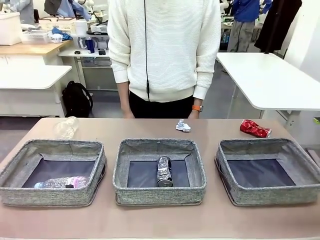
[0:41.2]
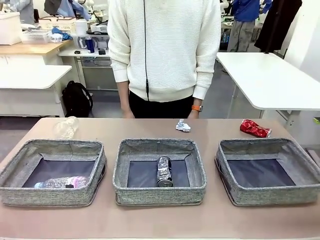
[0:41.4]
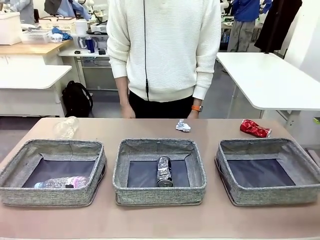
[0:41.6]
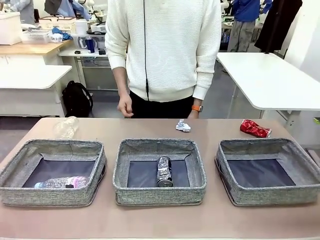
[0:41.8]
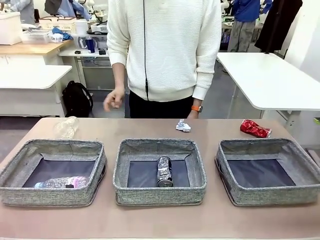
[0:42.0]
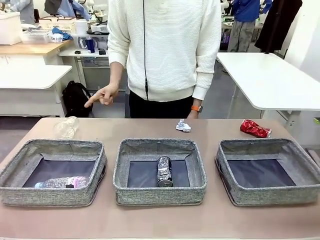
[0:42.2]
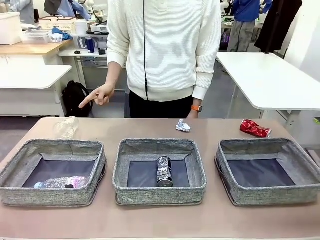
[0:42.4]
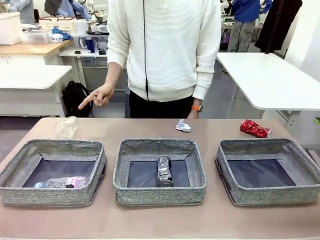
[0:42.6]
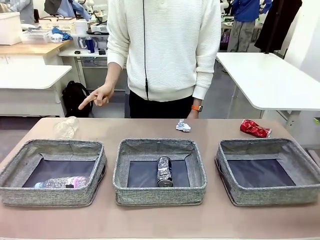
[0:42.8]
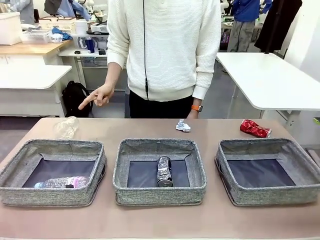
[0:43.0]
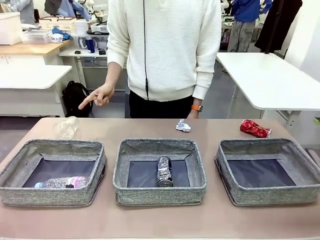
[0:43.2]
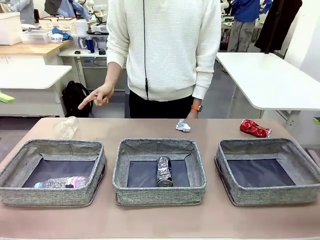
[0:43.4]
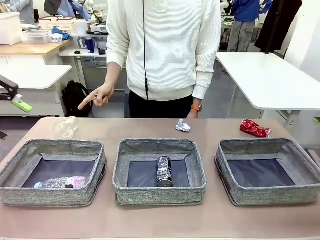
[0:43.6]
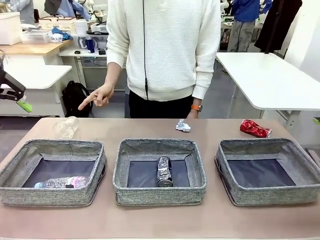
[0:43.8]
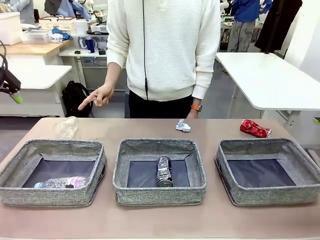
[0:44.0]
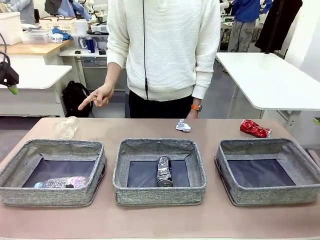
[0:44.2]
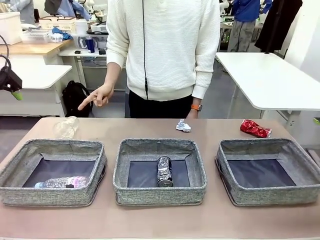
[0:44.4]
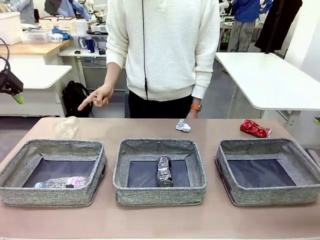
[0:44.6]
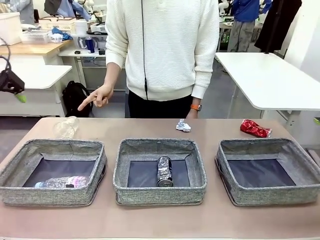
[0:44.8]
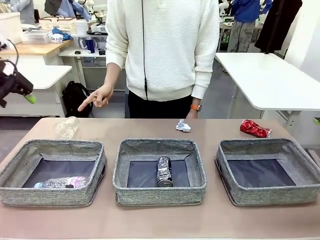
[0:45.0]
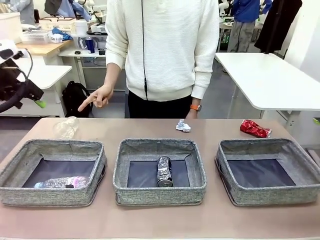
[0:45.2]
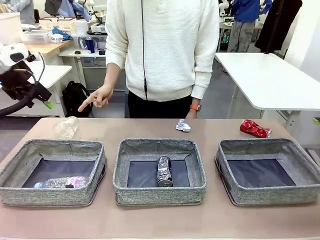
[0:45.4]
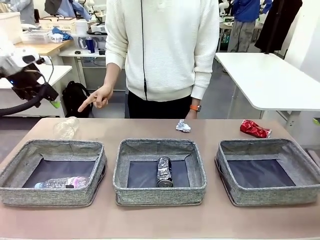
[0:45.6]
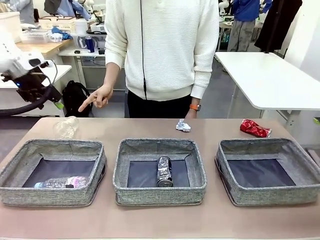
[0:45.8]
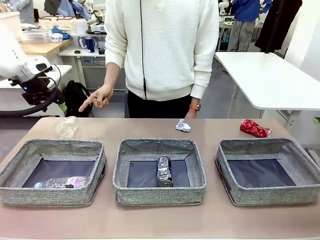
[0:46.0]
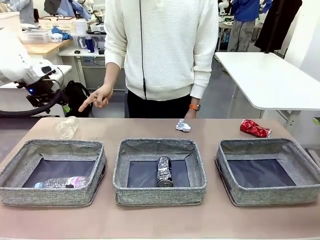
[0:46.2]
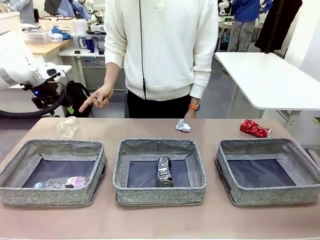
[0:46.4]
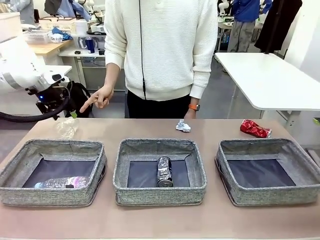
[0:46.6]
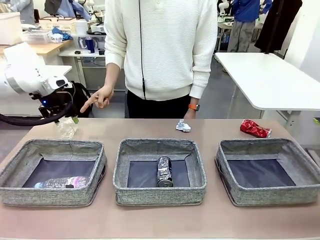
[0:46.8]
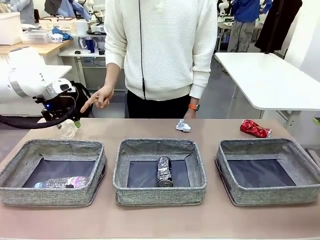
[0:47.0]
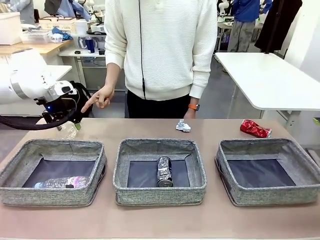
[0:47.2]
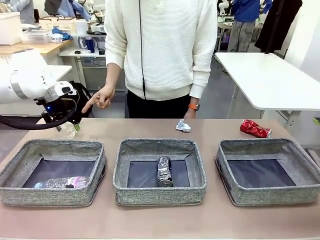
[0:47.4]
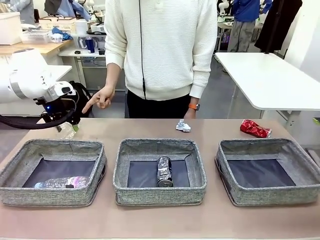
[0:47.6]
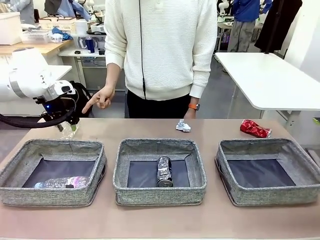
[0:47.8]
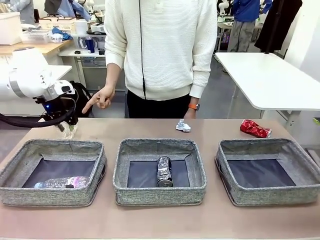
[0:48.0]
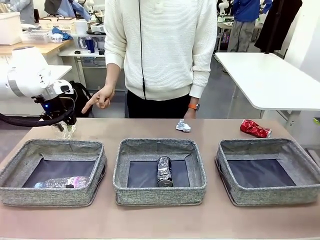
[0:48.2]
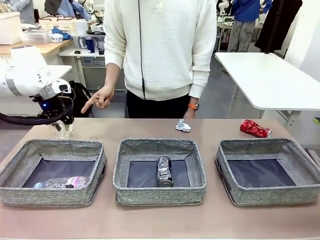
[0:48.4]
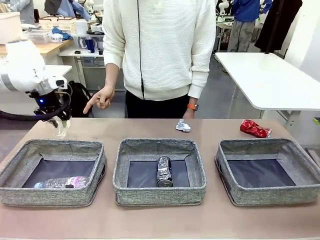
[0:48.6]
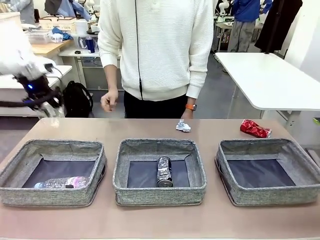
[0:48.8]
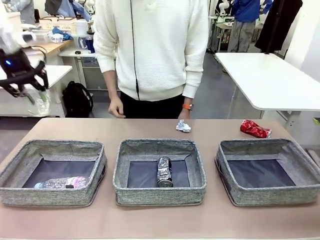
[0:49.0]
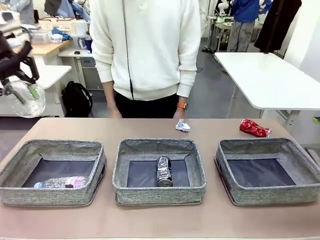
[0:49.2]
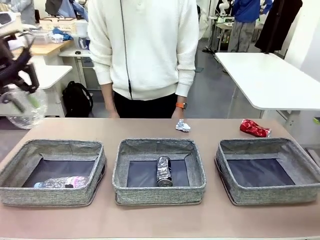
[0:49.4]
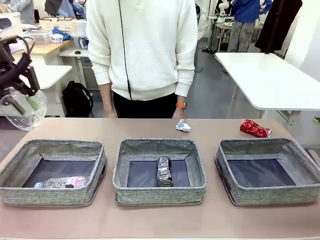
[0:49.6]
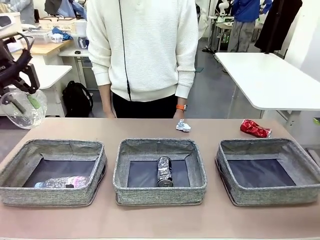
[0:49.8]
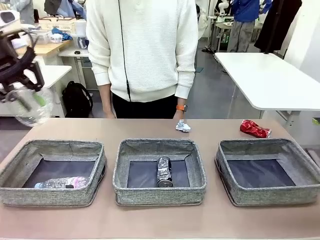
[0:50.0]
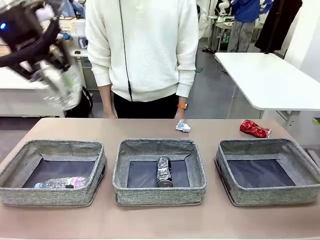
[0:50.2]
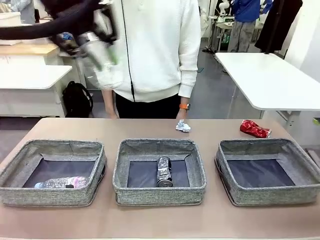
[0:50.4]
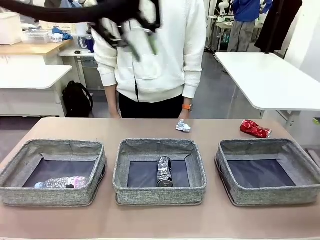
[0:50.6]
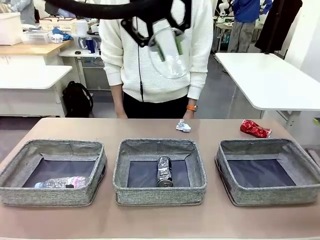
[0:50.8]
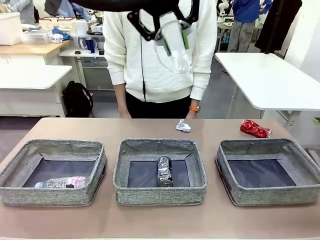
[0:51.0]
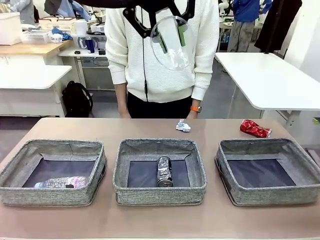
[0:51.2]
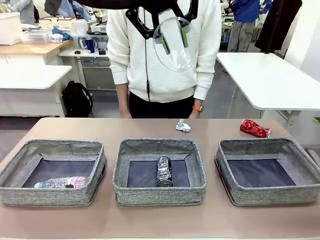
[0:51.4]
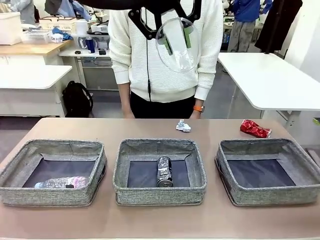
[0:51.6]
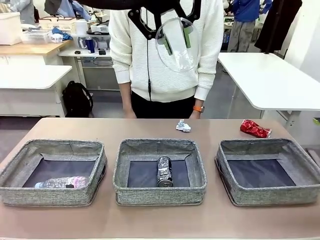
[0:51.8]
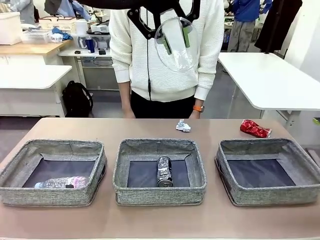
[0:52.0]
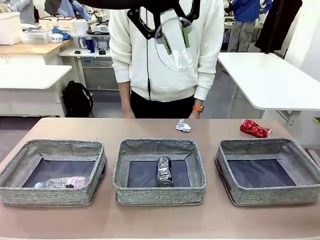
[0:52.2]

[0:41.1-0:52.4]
Task: Sort the waste into the appropriate baskets.
Robot: Pick up the waste item pointed out by the person.
Person: Points to one piece of trash on the table.

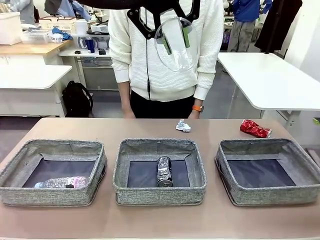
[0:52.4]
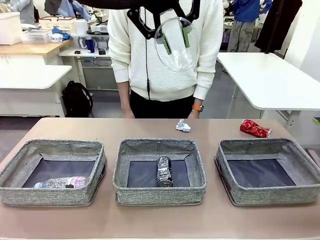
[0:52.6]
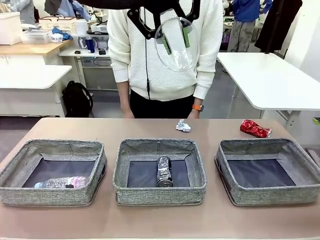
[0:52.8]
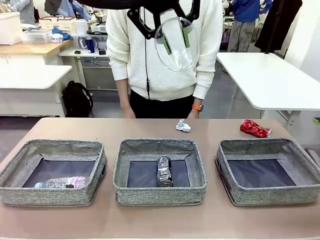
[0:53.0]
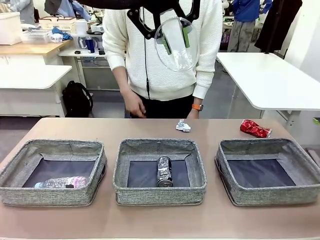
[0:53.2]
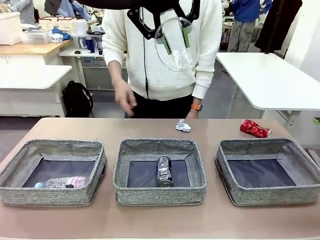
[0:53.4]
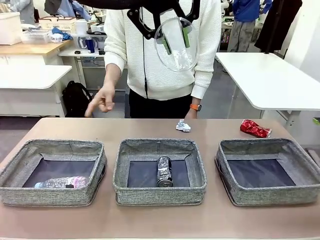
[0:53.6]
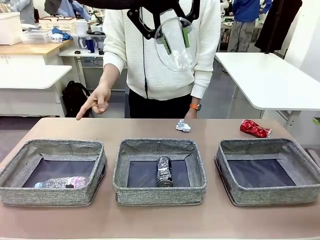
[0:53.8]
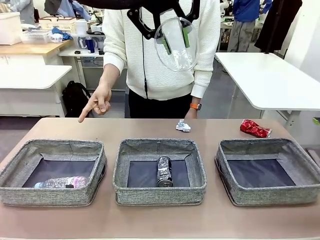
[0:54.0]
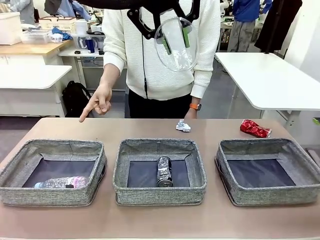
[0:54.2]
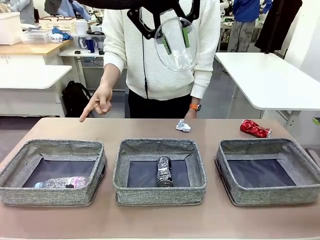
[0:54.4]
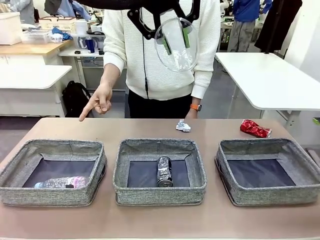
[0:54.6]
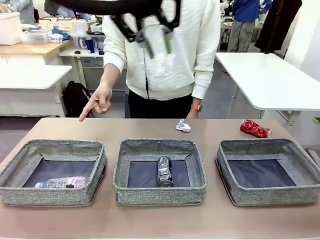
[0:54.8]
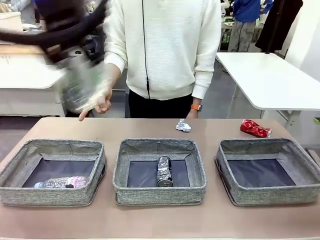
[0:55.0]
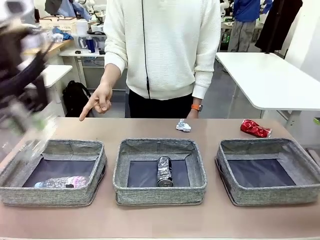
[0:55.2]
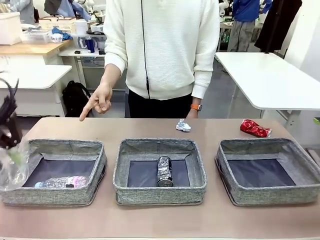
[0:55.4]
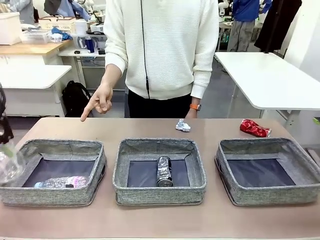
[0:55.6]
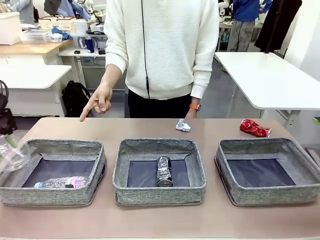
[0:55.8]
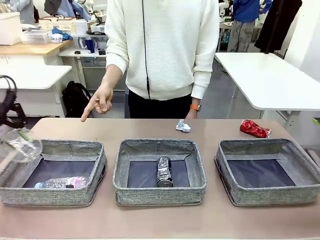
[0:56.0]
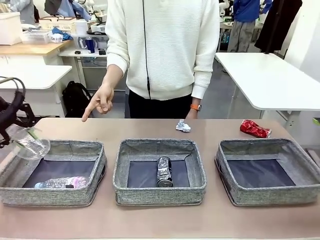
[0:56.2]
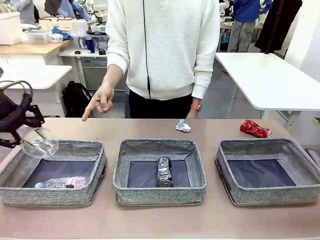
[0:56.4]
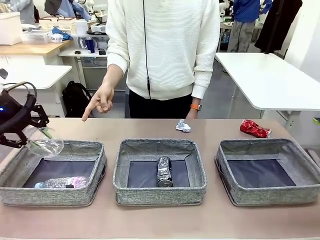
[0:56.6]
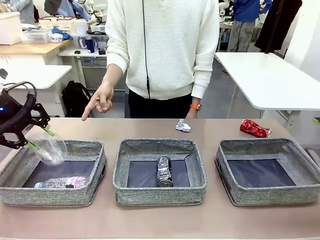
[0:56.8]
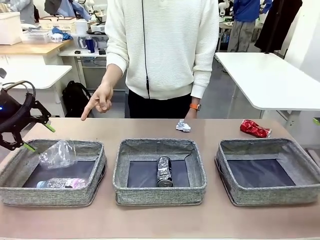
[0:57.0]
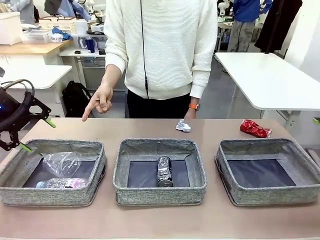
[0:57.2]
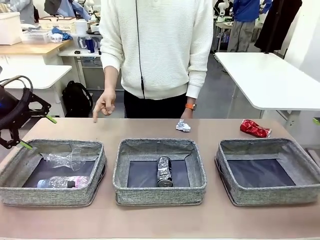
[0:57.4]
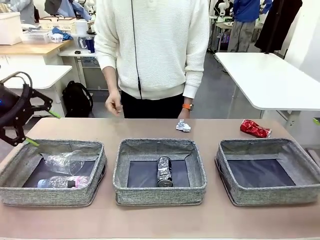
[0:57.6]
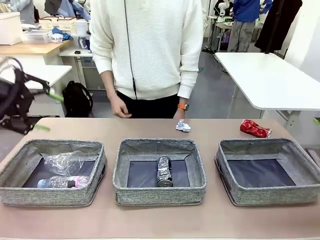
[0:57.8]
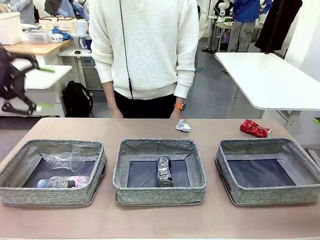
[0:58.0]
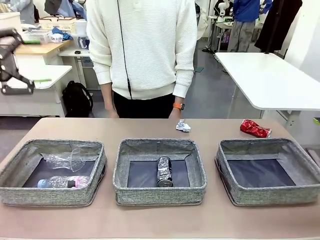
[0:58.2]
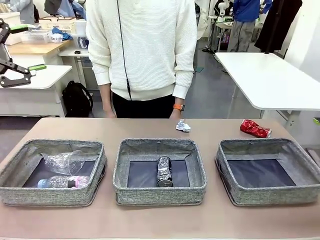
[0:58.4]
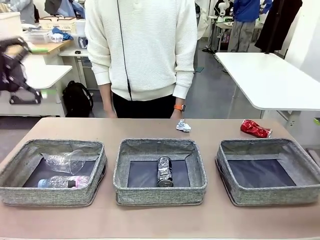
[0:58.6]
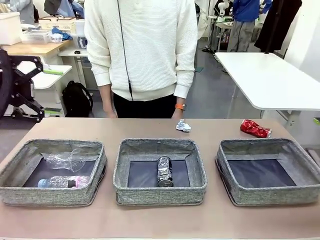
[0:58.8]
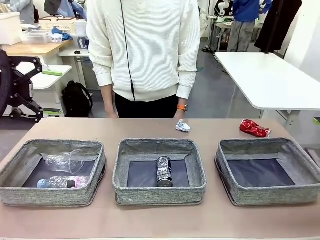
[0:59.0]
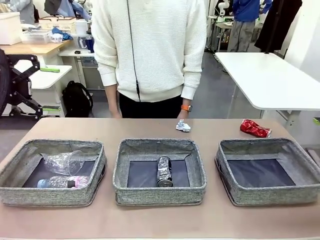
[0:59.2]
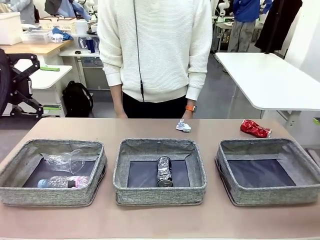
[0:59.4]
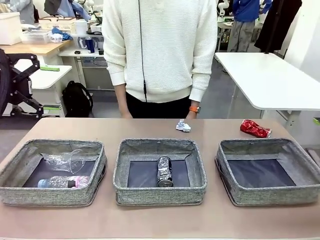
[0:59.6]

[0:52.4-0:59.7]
Robot: Place the picked waste into the Fabric basket indicated by the person.
Person: Instructs the robot to place the picked-up trash into the appropriate organizing basket.
